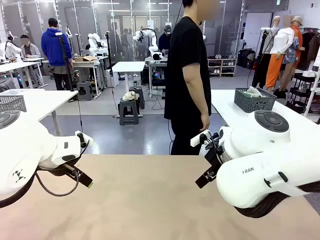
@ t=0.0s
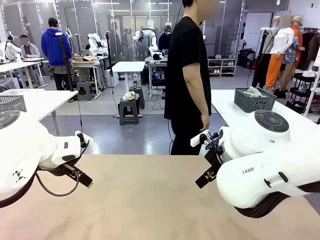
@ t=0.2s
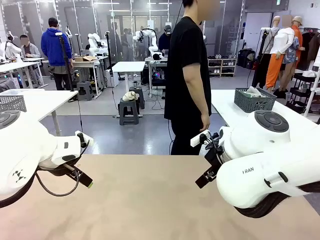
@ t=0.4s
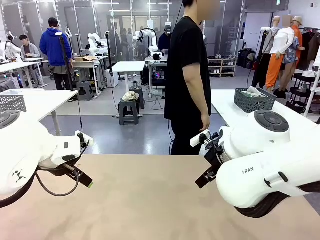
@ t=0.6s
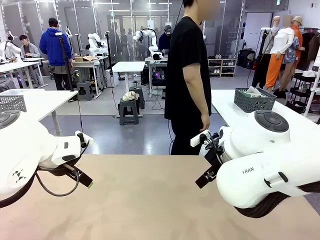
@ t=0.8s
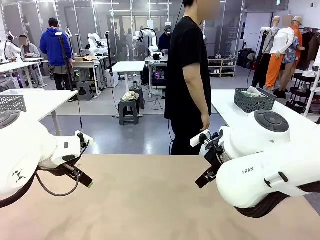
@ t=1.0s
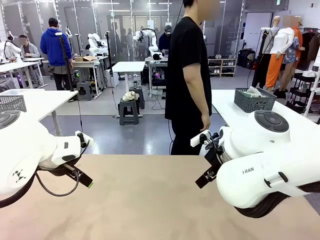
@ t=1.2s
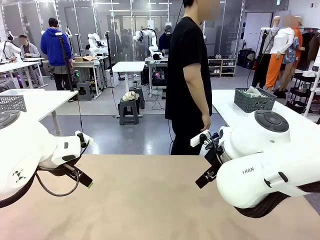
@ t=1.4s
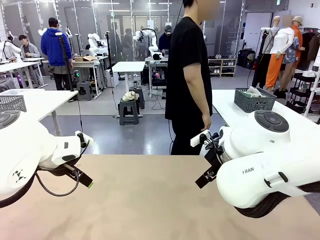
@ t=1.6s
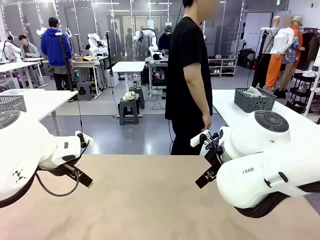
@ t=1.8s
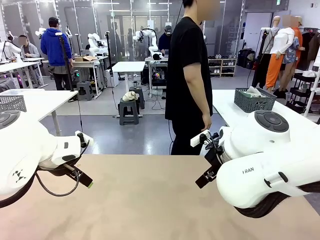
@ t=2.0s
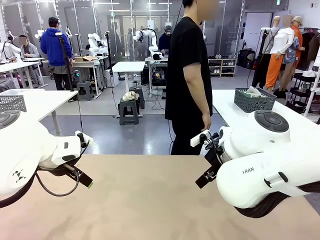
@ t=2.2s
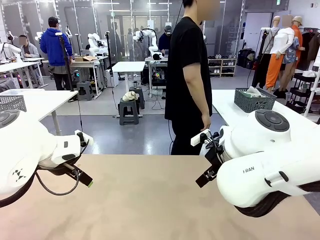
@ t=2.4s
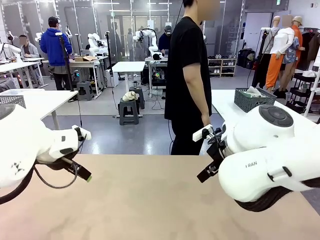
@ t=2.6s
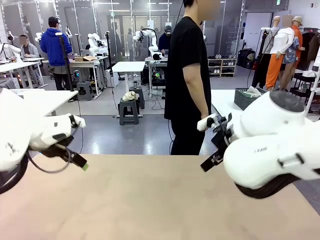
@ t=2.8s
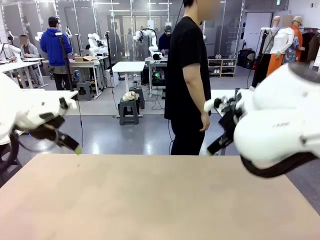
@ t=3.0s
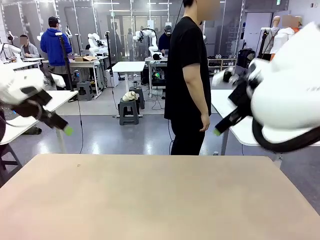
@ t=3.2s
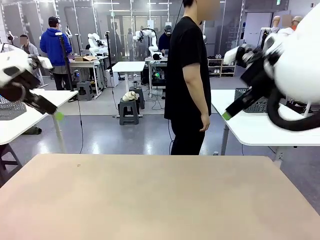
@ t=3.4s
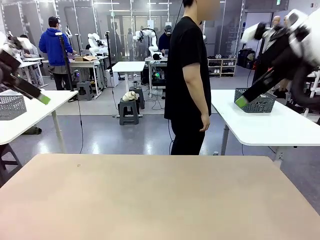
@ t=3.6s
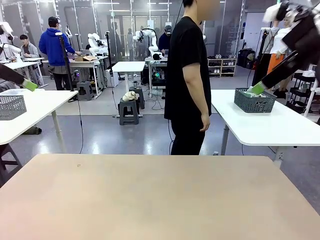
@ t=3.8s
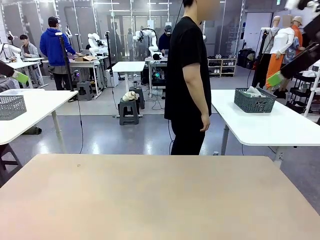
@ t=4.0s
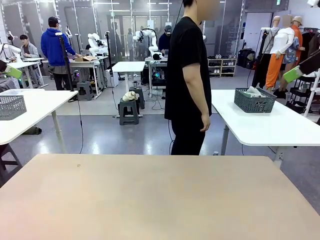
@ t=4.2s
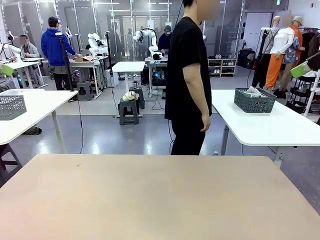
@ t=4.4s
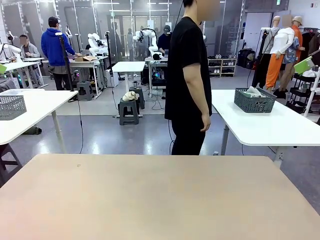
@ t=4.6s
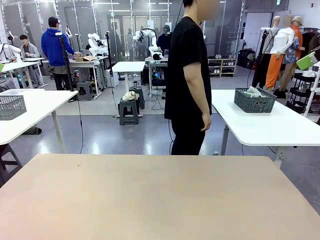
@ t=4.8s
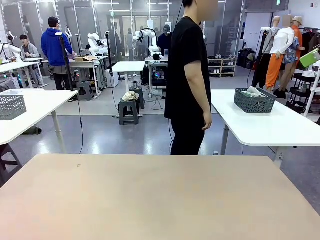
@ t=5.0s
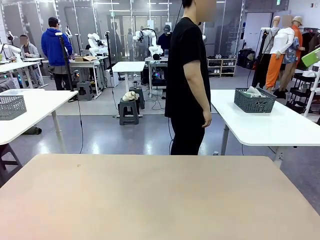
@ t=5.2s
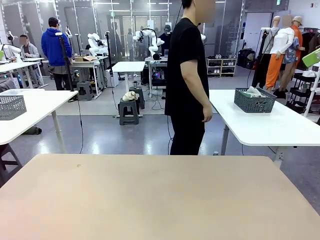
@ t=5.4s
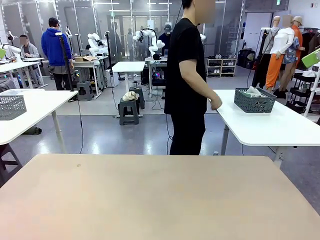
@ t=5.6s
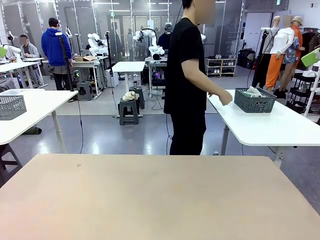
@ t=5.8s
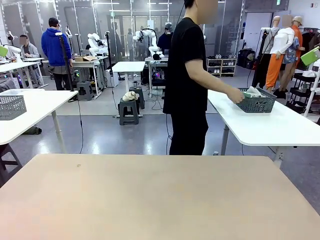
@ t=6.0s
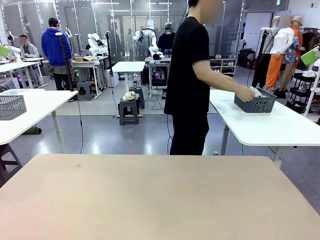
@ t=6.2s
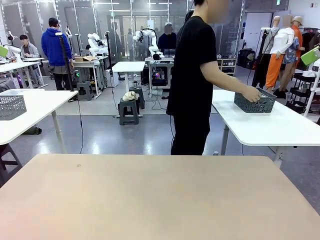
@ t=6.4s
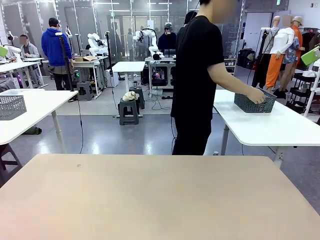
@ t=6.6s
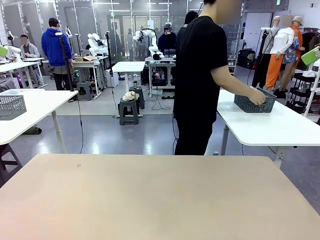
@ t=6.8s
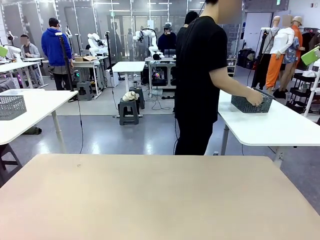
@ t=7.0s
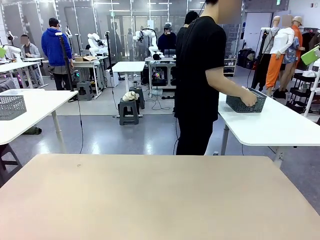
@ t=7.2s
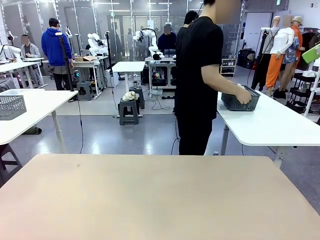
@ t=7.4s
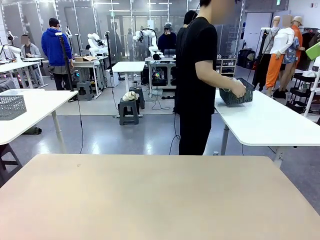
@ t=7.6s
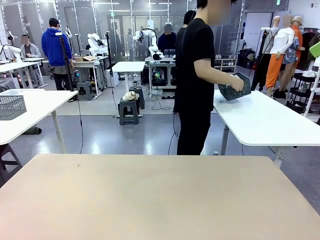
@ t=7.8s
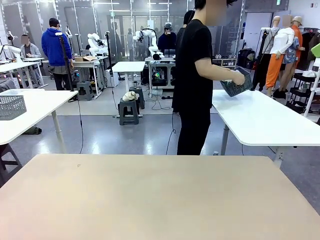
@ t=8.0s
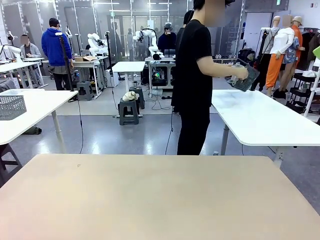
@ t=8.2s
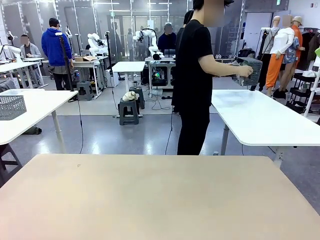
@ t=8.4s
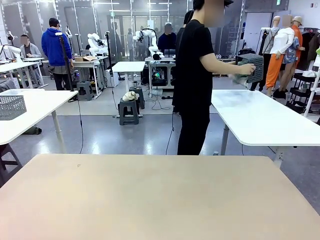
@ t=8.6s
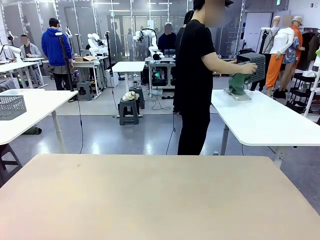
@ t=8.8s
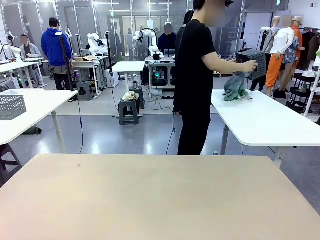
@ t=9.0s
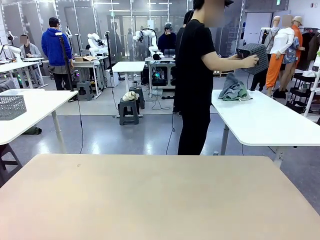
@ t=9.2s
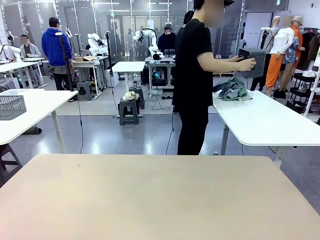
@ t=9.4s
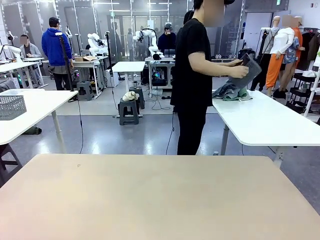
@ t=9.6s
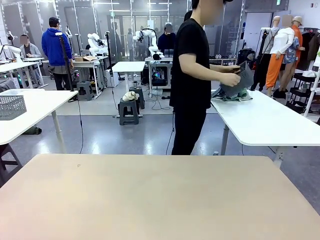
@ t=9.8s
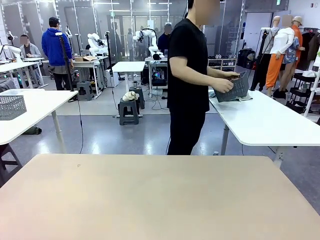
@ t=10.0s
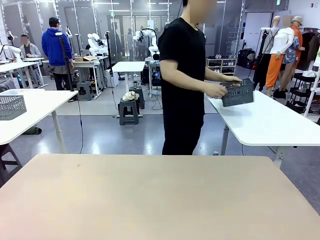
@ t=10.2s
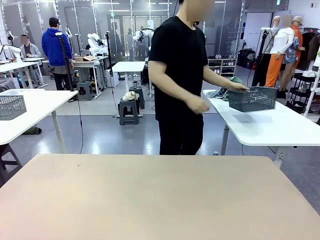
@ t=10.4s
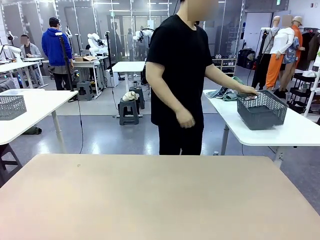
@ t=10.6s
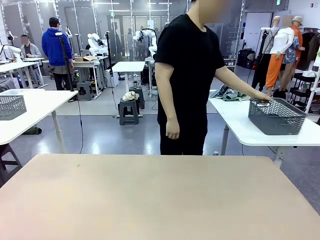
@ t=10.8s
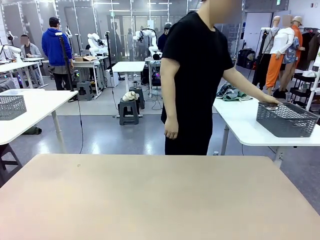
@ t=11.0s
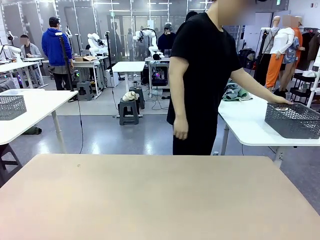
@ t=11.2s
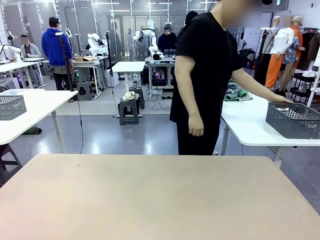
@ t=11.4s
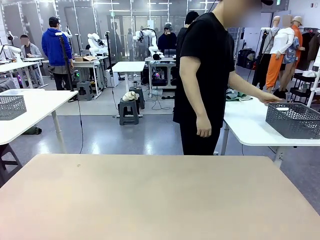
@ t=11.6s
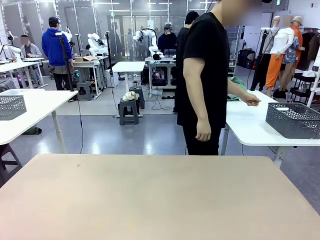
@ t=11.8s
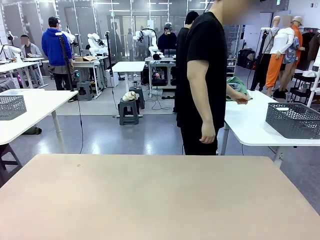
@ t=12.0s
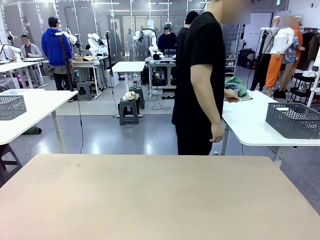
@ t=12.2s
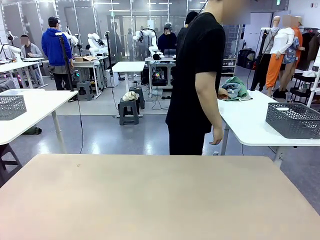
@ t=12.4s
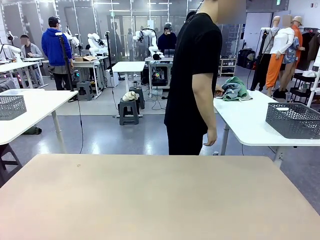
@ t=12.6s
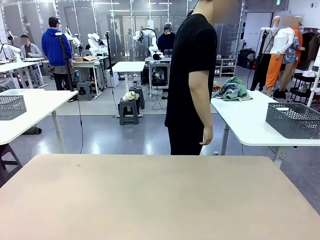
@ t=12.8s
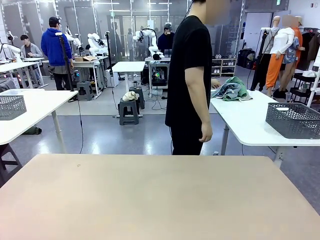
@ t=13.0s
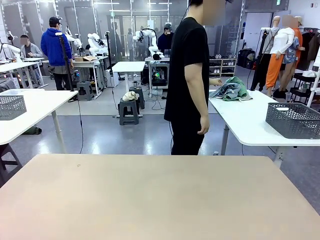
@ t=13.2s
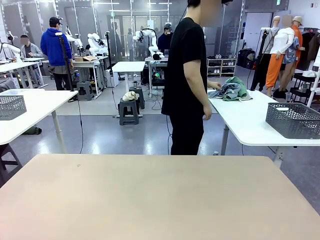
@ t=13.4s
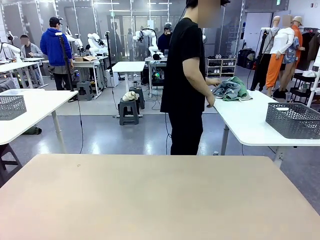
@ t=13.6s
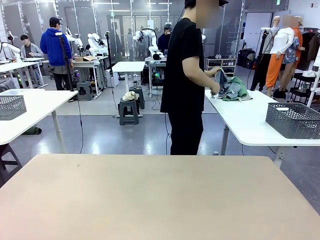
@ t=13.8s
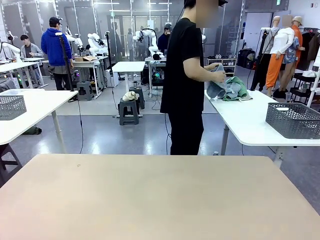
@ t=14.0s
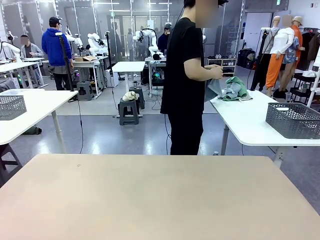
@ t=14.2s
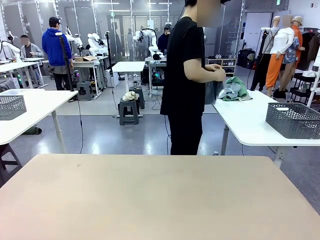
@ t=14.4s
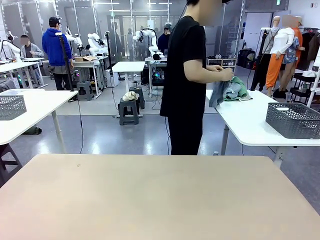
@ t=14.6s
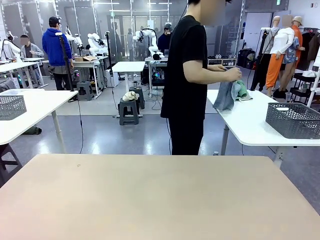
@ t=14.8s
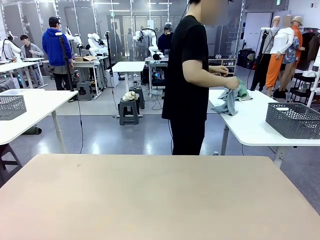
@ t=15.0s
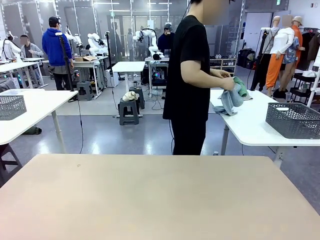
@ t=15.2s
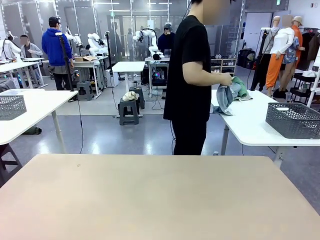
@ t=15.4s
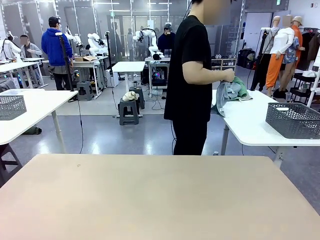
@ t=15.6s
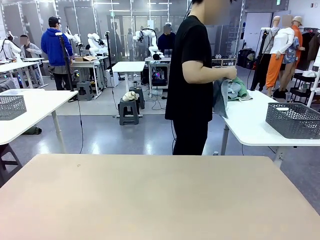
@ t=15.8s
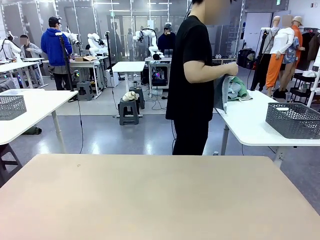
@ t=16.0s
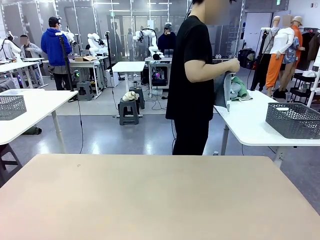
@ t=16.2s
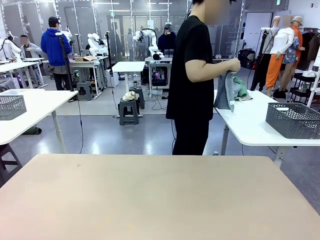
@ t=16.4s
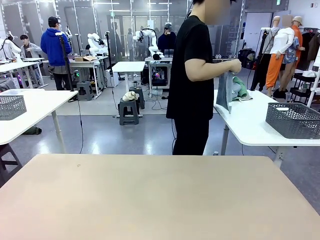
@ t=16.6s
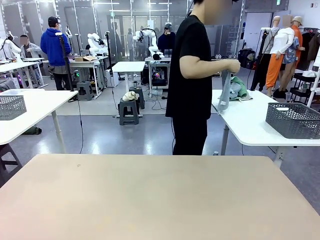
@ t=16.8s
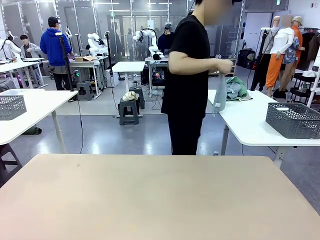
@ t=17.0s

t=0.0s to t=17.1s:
Task: Fold the towels and place them in the basket.
Robot: When a person lays out a Towel with hook on the table, fold it in half twice.
Person: Pick up the basket, pour the towels onto the left side of the human table, and place the basket on the right side. Pick up one towel and spread it out at the center of the robot table.
